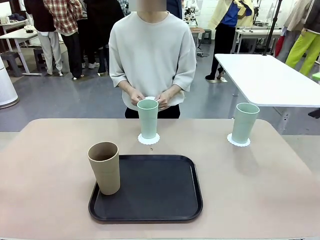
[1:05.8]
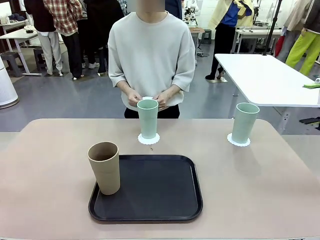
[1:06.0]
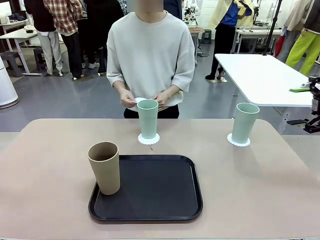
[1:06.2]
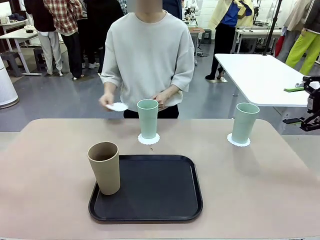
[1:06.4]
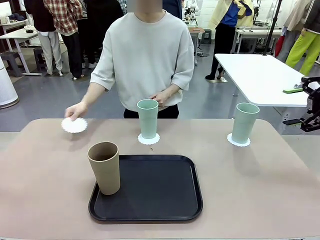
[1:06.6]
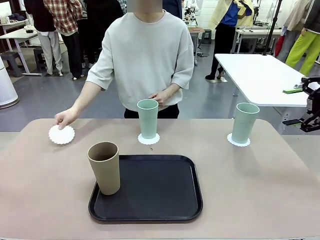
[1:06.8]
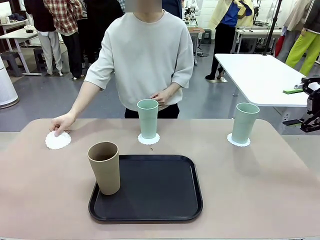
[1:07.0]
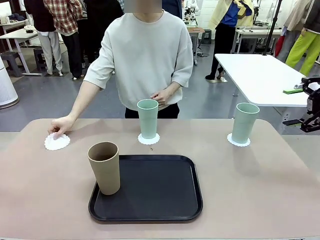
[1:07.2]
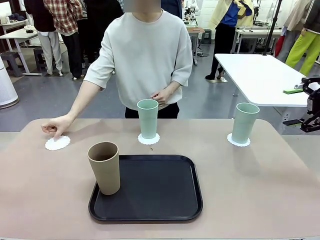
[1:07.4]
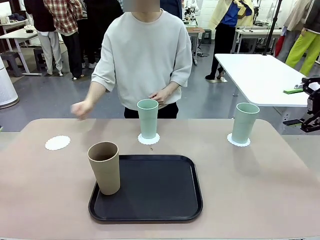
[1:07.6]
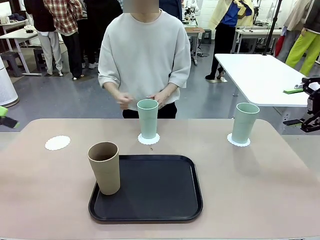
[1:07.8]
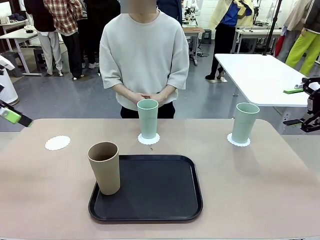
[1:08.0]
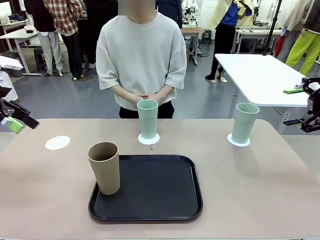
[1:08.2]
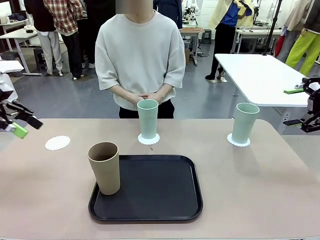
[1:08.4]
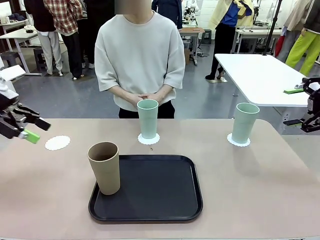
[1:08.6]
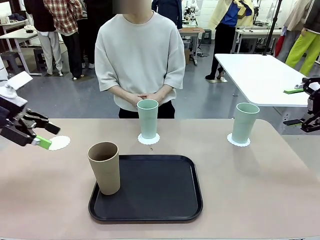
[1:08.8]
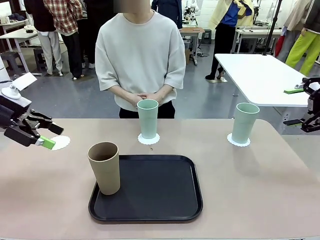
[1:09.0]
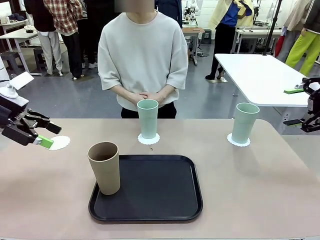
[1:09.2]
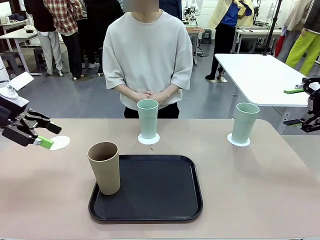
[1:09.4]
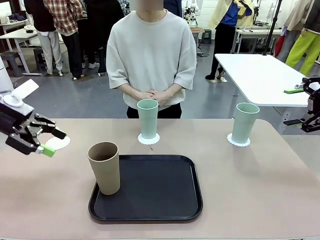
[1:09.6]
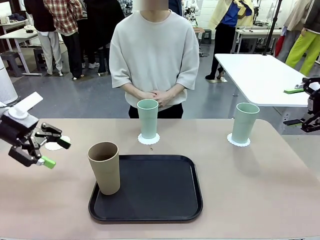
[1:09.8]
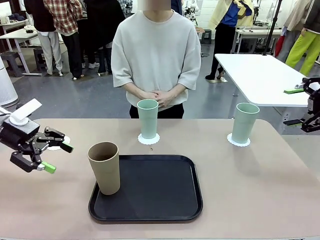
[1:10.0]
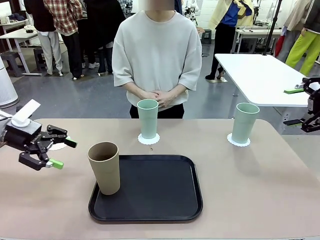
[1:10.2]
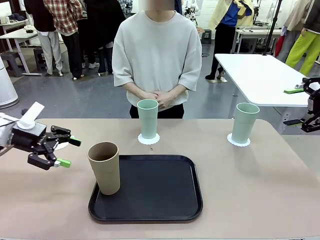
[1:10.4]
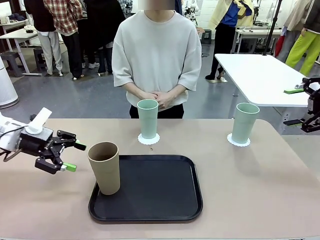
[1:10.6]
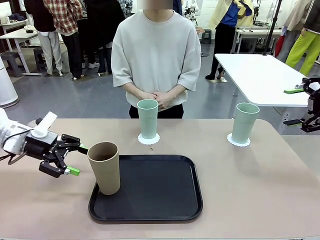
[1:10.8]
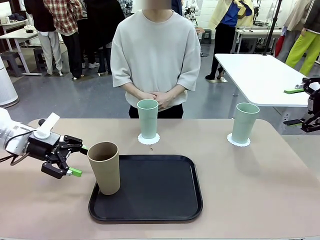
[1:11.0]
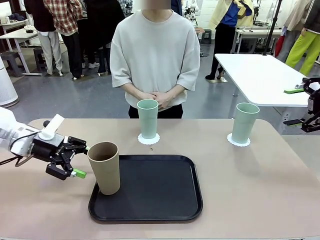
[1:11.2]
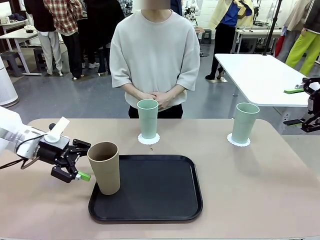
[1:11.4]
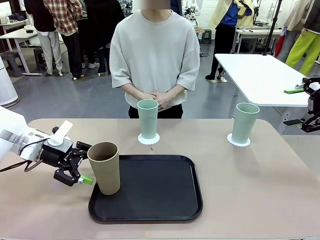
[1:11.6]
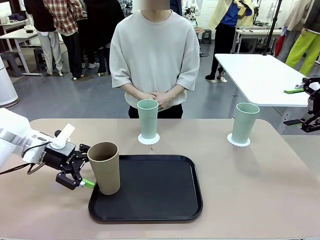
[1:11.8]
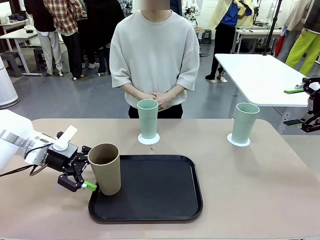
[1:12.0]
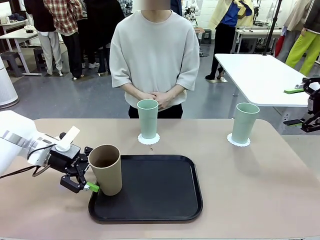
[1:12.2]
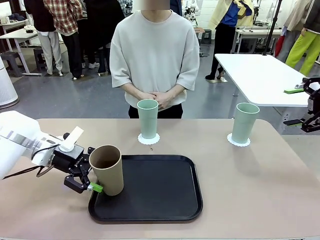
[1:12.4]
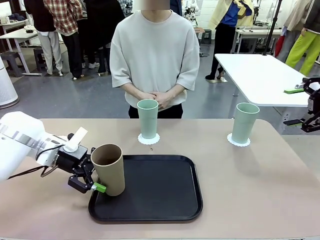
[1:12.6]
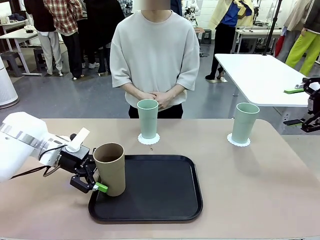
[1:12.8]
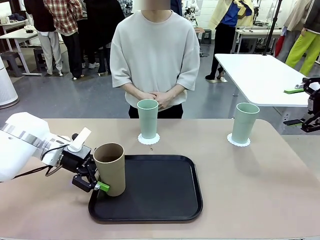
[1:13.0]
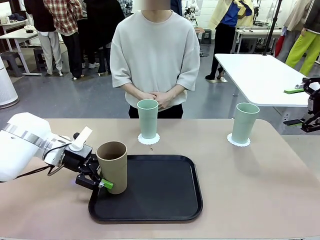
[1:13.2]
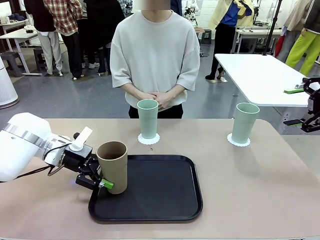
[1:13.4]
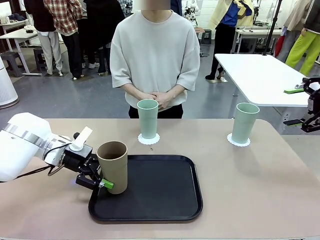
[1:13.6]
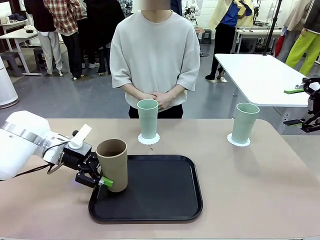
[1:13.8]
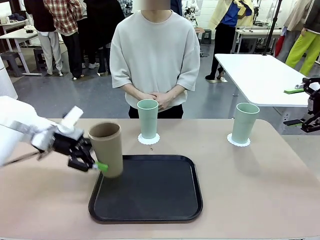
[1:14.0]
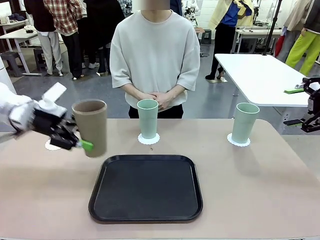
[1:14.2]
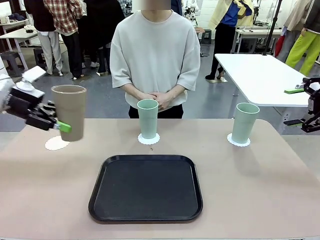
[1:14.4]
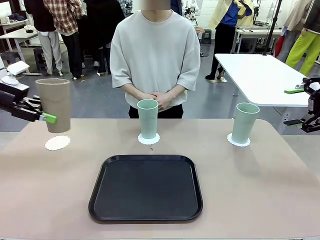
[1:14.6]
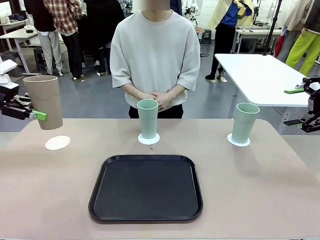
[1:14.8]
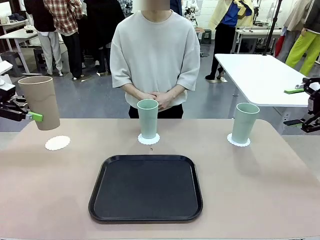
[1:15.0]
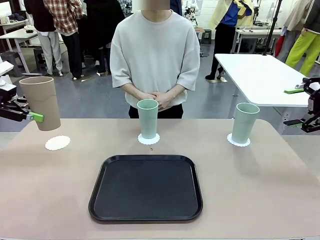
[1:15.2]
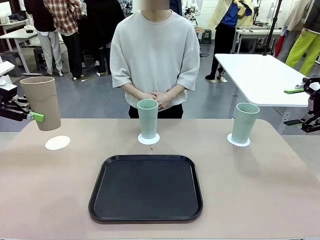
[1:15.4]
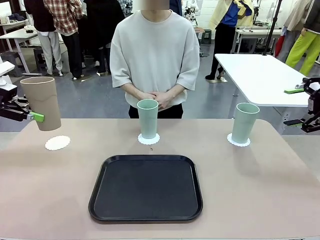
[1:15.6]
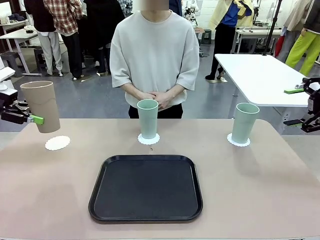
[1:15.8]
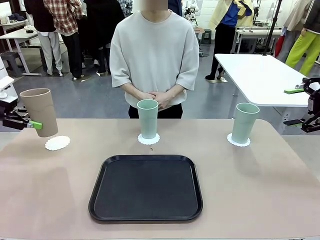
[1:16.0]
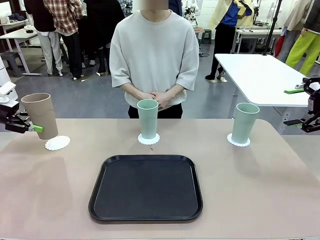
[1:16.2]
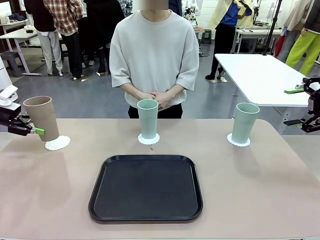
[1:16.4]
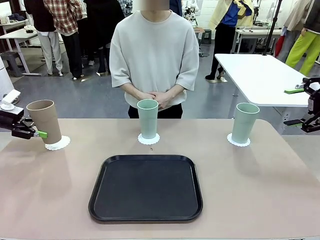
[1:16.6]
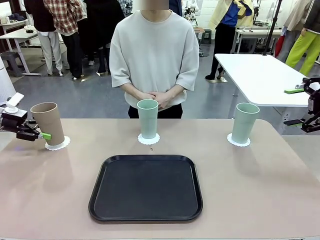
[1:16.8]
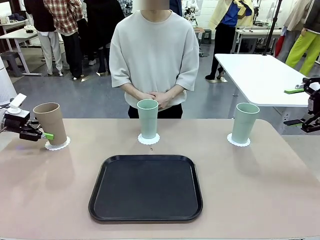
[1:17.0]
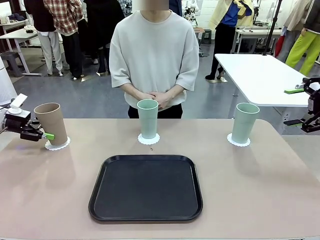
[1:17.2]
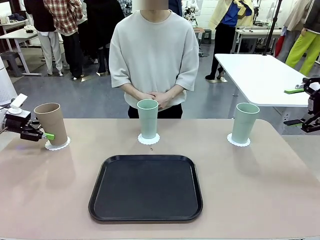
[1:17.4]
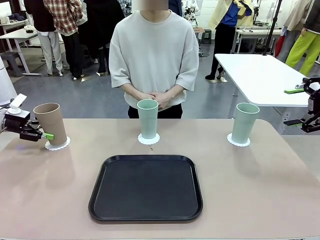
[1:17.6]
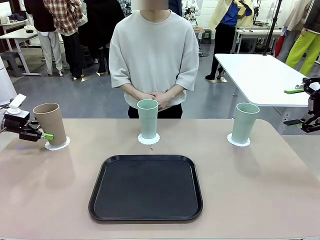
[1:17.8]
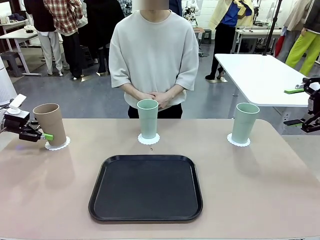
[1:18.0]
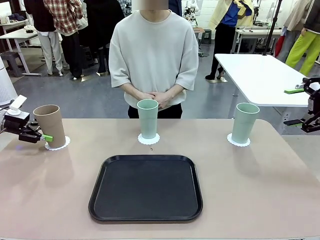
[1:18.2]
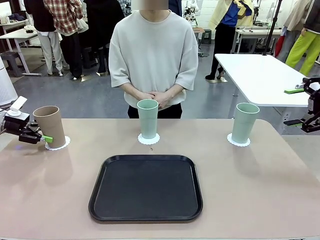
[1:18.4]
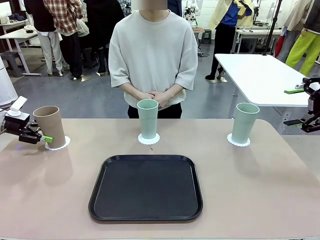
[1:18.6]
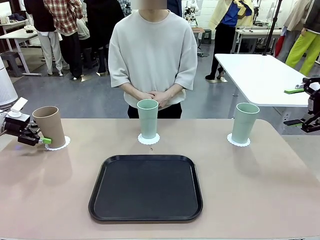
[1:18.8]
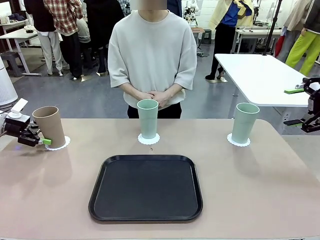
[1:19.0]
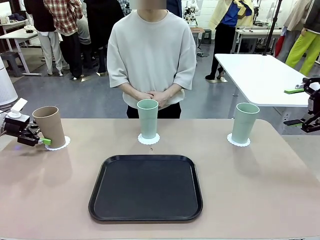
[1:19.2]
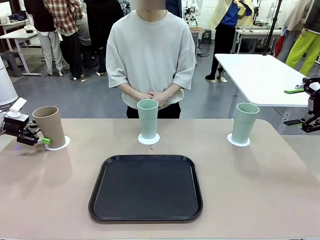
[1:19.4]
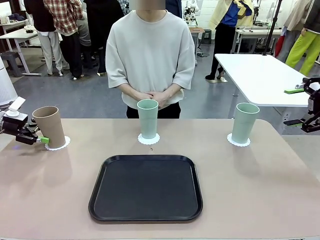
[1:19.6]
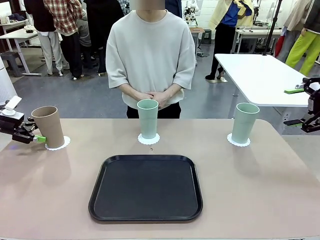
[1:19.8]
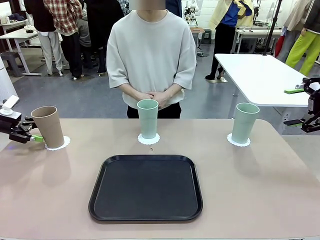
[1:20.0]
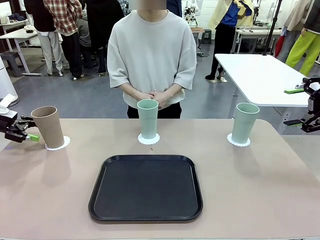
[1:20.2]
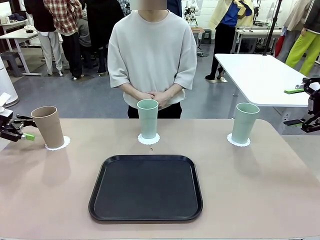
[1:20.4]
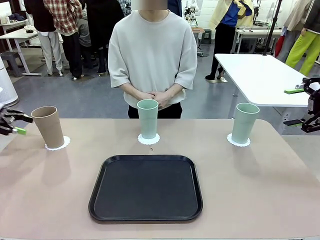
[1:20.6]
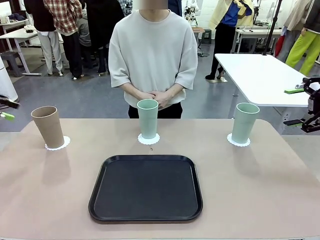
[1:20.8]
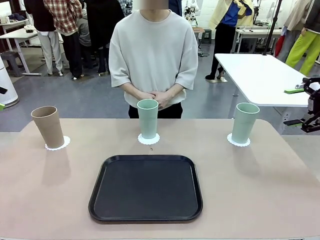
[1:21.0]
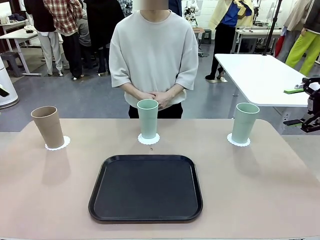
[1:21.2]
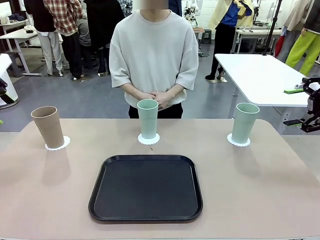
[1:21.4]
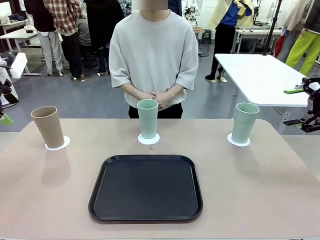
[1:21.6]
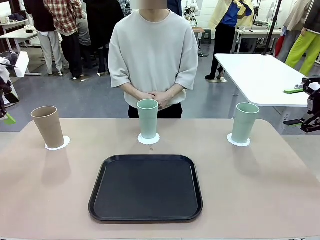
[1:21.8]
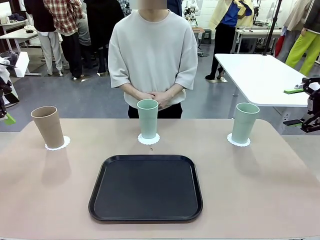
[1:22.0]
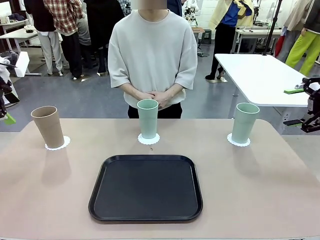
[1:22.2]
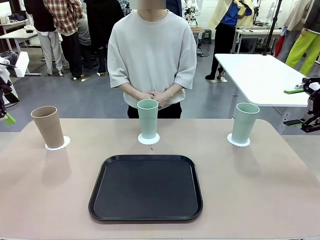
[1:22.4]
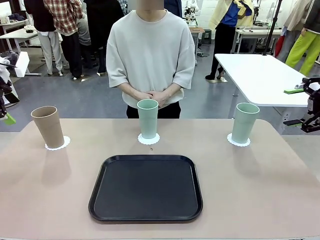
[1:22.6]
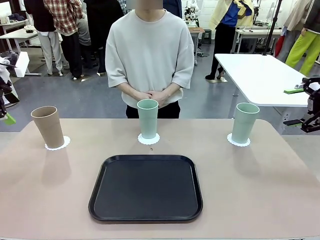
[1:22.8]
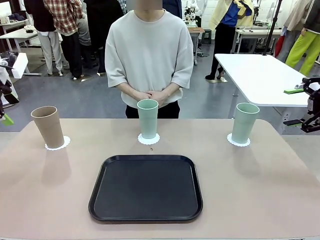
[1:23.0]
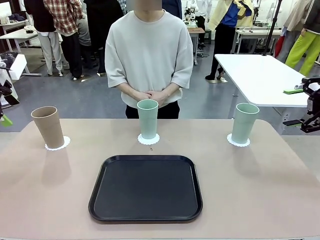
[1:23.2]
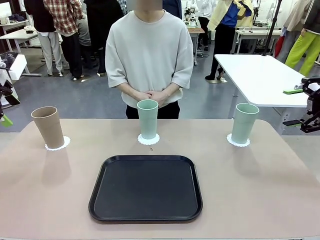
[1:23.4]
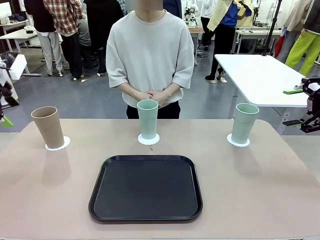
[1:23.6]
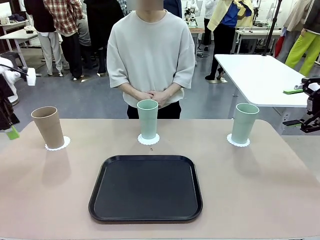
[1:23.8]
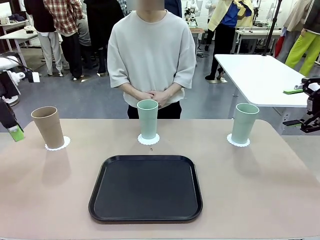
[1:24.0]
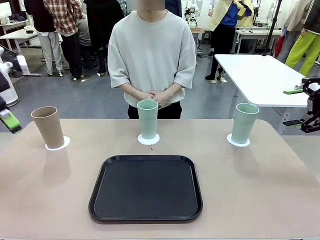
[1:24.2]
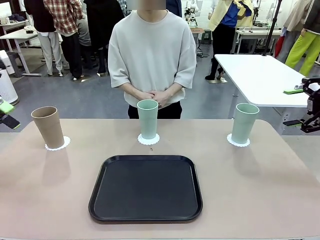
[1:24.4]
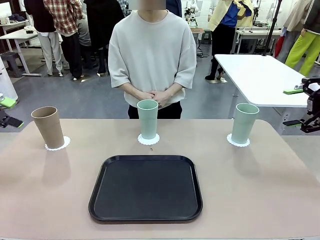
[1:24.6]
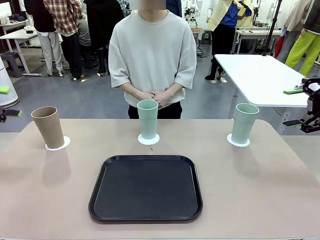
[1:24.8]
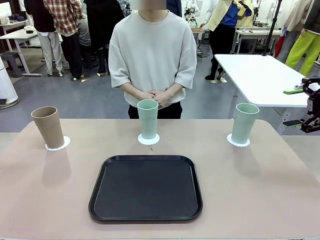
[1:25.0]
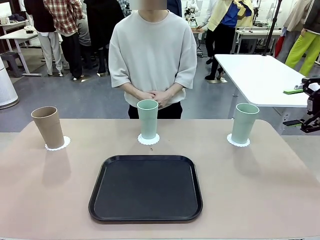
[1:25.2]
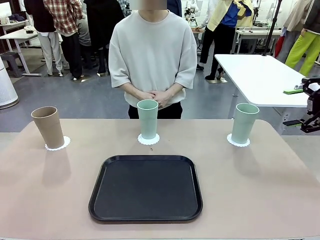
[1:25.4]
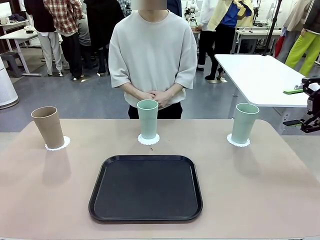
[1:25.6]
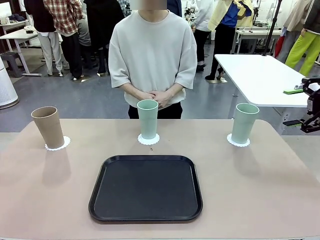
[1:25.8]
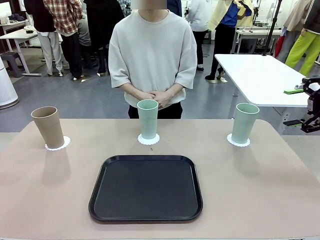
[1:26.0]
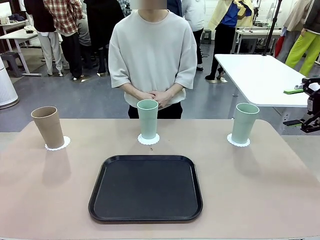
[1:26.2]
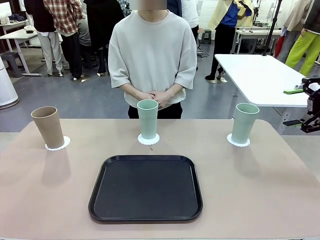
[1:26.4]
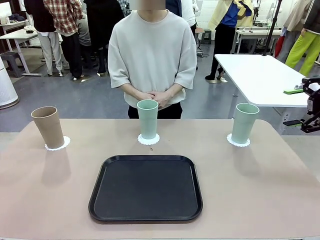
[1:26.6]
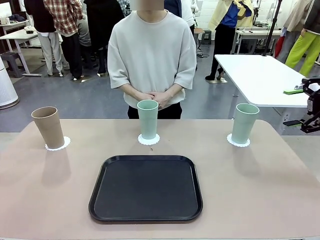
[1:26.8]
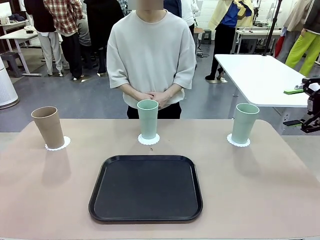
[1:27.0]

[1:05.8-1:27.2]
Task: Place coasters on the table and set cups on them.
Robot: Take one Reusable plastic cup from the Flat Tray and place it on a coaster set by the human.
